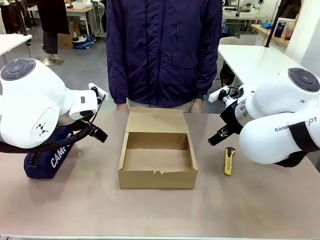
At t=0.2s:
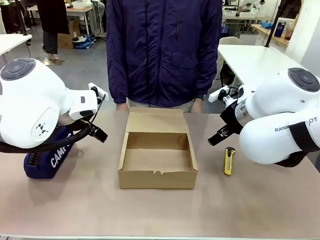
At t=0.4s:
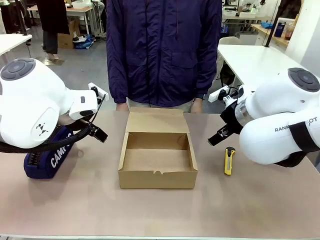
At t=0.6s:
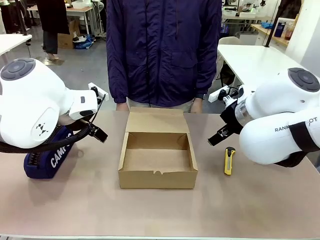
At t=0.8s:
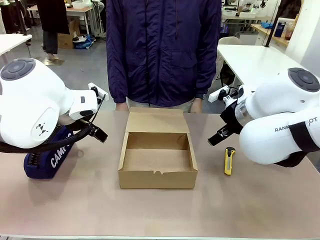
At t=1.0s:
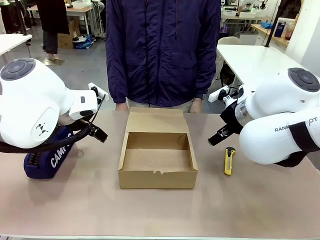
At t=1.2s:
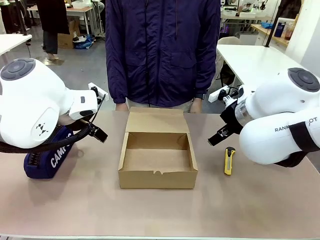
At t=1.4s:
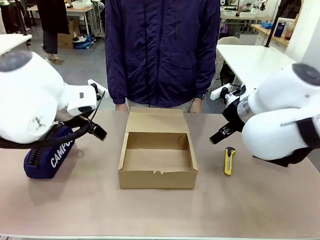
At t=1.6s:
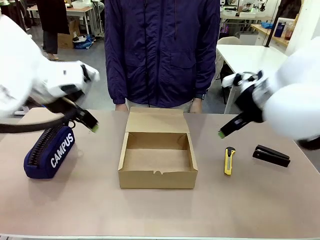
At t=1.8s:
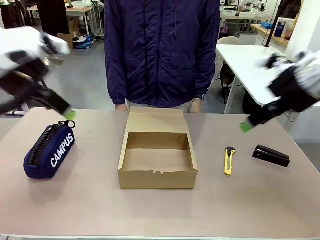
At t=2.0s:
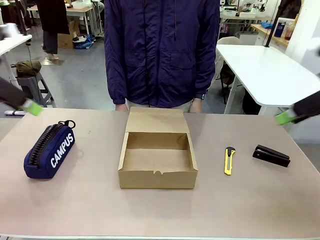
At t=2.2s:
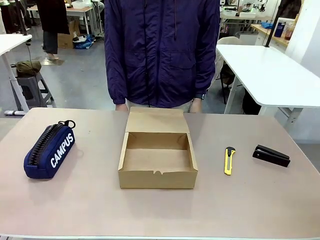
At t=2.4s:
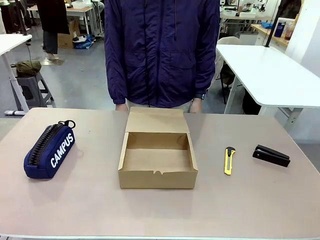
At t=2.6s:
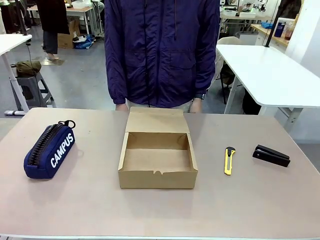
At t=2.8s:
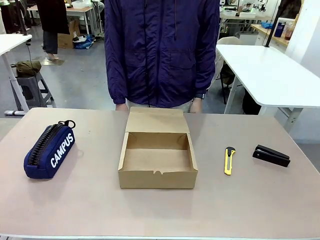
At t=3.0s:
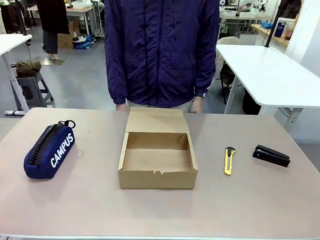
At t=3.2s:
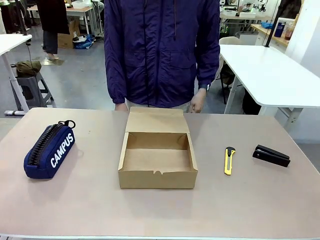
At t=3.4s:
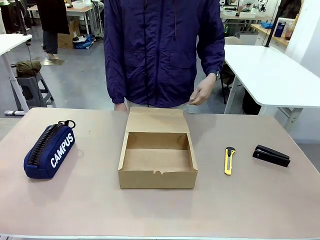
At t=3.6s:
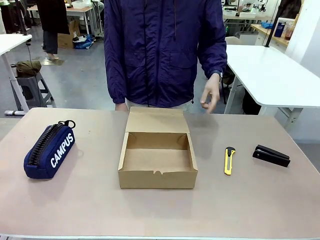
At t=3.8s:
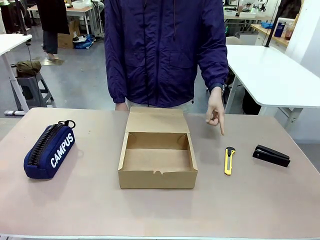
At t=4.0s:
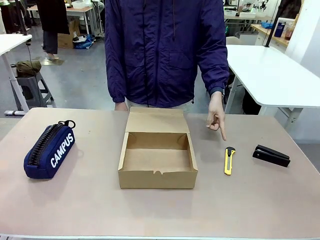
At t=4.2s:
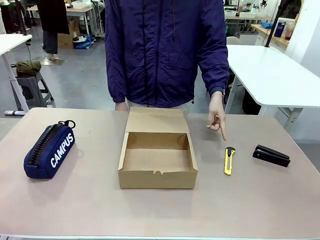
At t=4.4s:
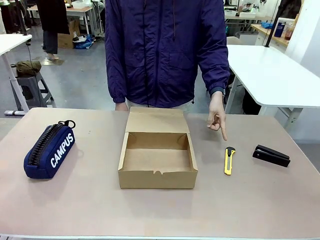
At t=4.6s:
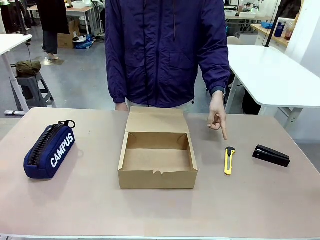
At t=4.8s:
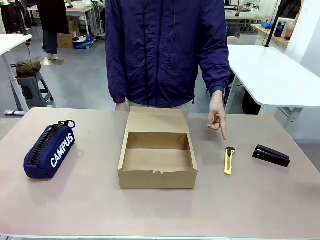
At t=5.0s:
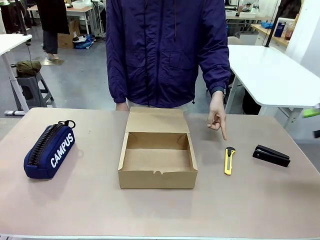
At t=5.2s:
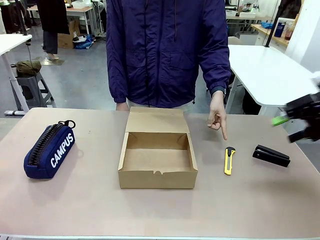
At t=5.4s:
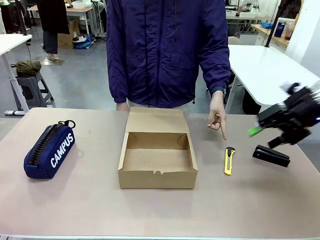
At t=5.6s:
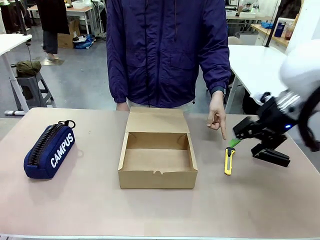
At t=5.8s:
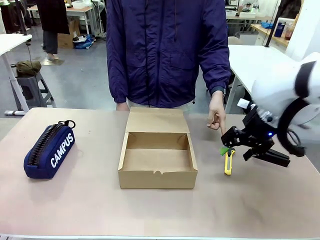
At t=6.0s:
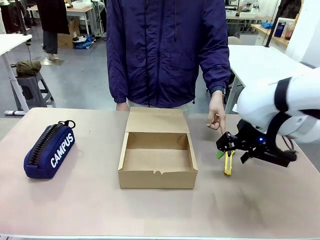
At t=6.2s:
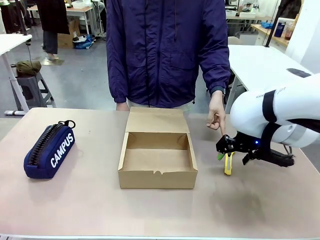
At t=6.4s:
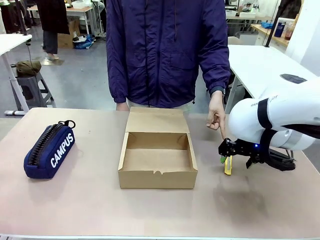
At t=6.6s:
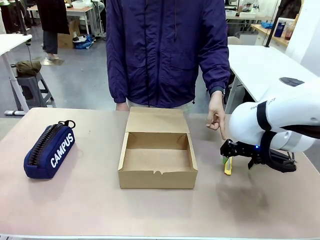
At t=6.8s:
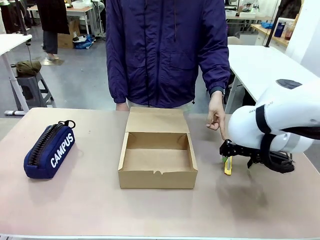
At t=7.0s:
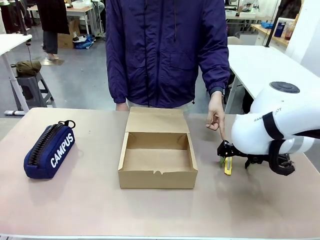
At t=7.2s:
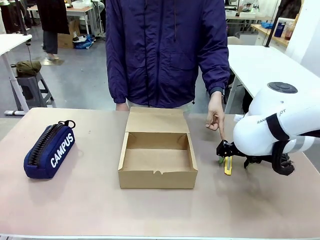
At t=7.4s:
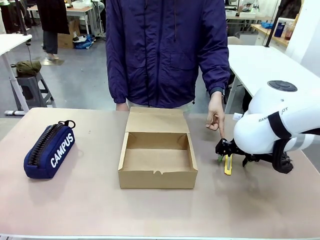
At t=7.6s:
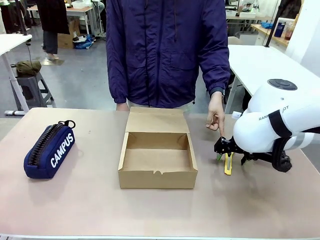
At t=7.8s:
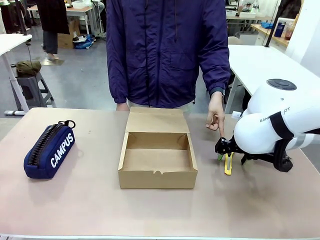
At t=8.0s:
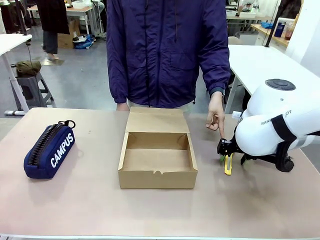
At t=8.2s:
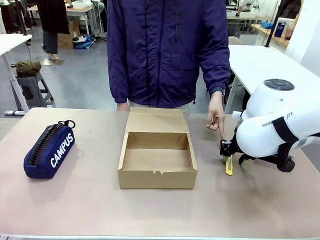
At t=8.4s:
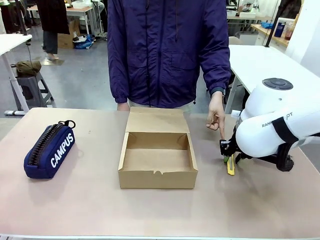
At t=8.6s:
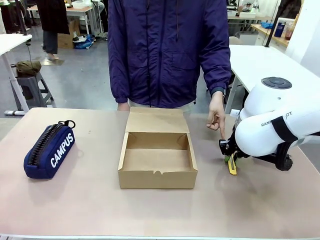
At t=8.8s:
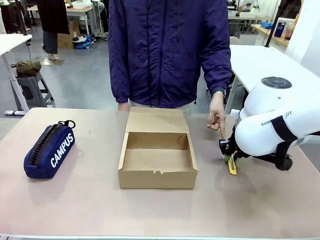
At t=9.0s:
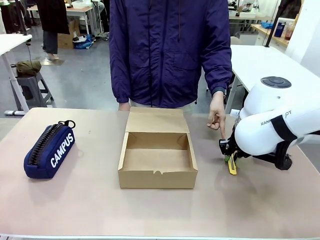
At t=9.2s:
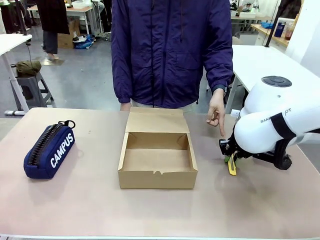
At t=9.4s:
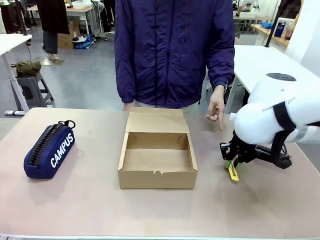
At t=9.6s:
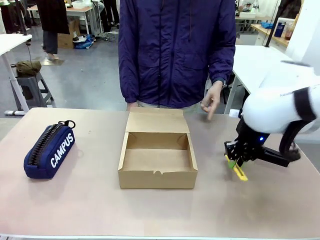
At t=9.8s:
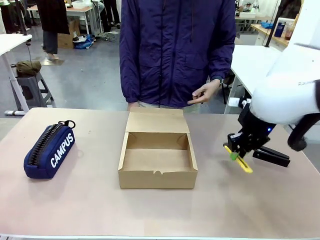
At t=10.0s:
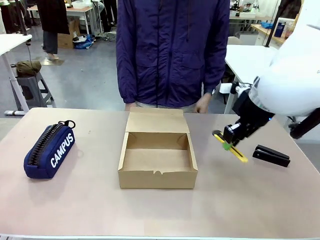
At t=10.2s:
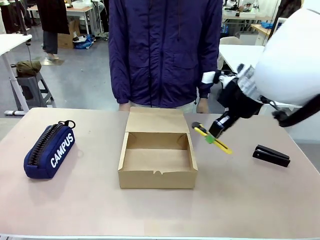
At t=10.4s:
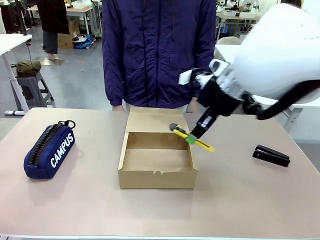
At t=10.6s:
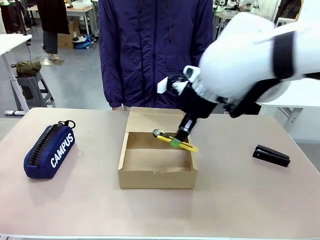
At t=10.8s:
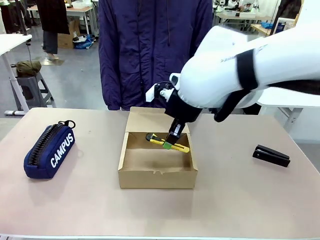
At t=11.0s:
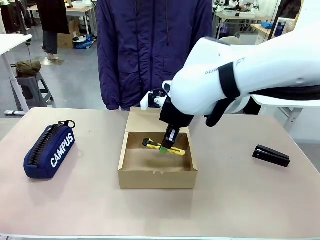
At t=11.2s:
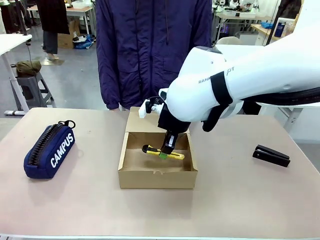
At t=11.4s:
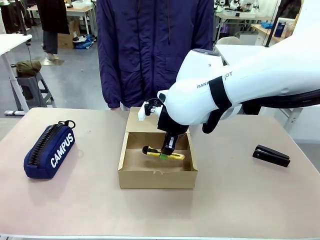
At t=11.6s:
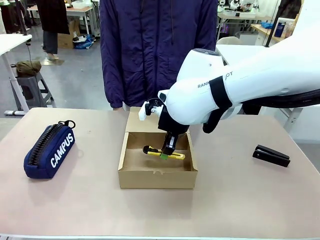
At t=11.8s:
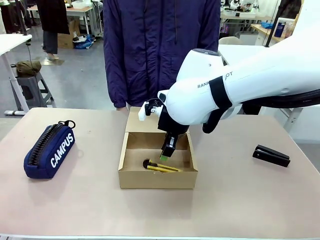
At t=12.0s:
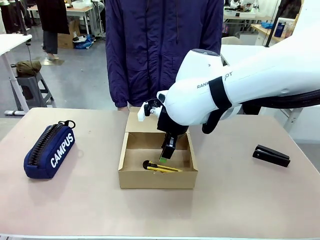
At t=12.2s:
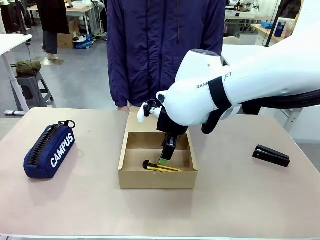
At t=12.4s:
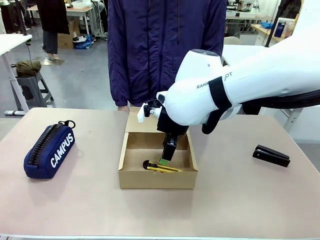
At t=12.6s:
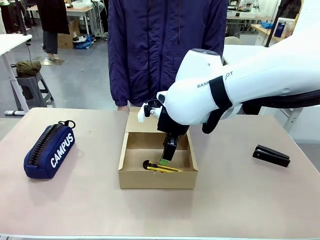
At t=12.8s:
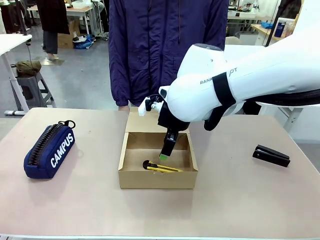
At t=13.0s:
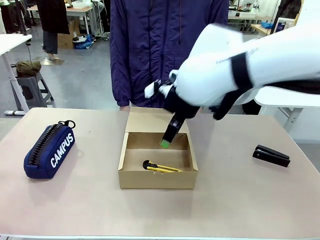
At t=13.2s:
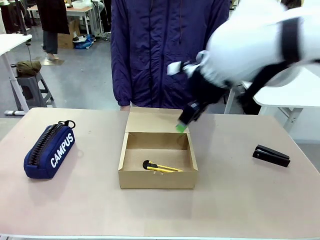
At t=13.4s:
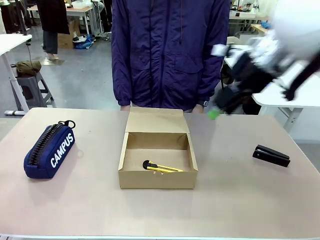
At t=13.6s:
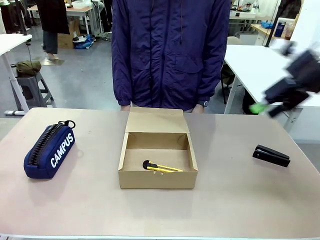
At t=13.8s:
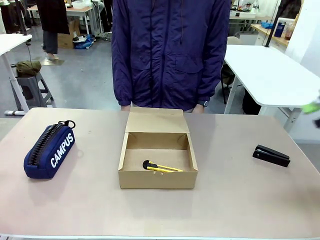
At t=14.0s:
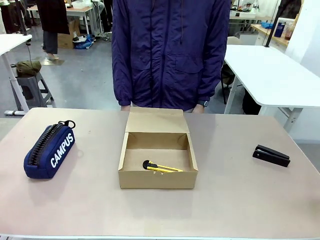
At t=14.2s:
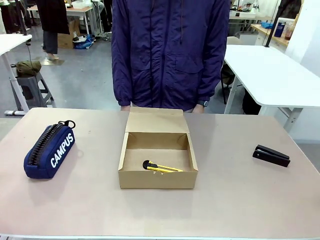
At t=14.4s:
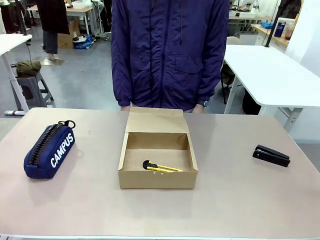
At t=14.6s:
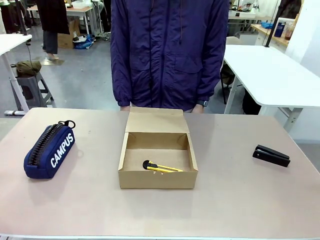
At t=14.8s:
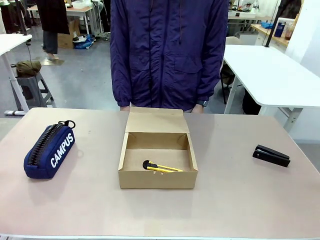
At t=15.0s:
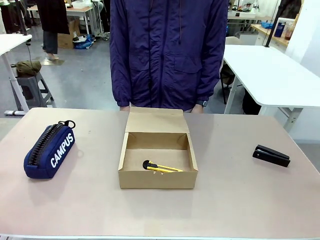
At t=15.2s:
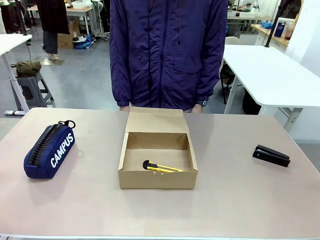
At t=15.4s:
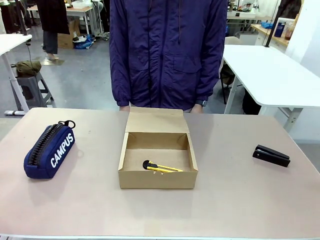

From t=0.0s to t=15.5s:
Task: Pack the item into the box.
Robot: Pick up the item indicated by the person and place it inside the Mailer Box.
Person: Point at one item on the table (excluding the box).

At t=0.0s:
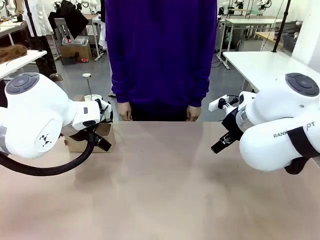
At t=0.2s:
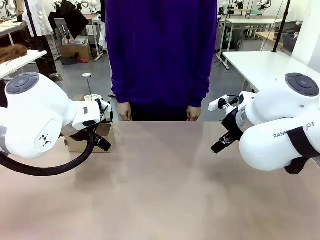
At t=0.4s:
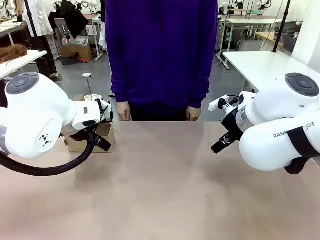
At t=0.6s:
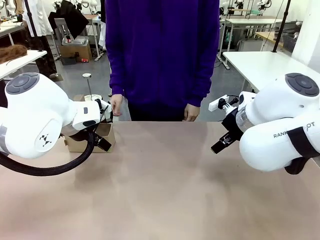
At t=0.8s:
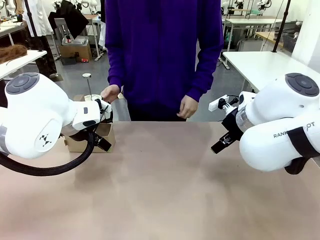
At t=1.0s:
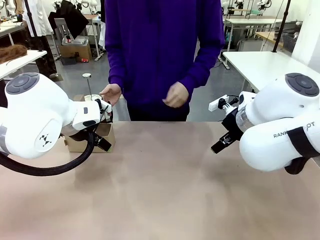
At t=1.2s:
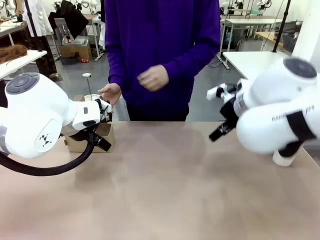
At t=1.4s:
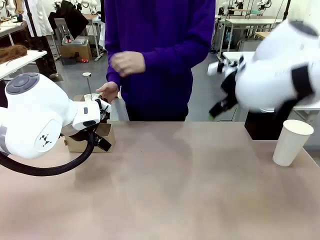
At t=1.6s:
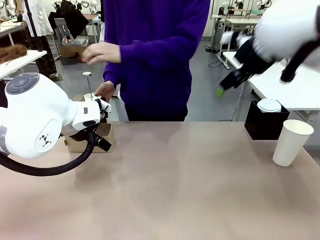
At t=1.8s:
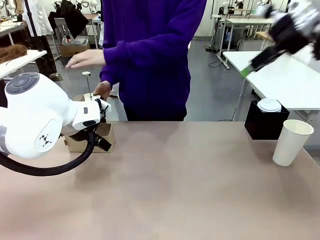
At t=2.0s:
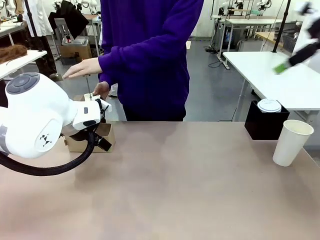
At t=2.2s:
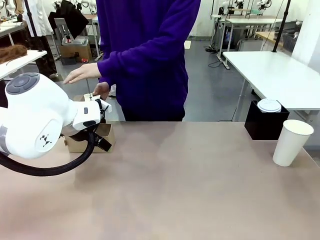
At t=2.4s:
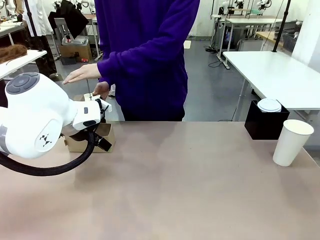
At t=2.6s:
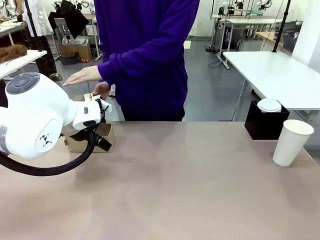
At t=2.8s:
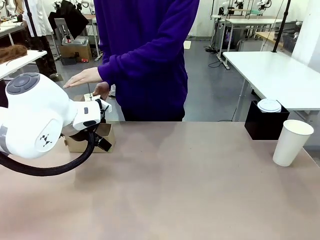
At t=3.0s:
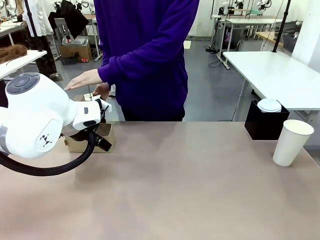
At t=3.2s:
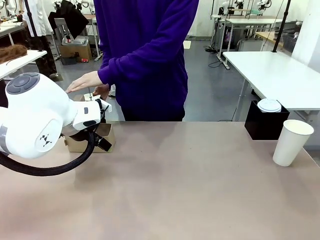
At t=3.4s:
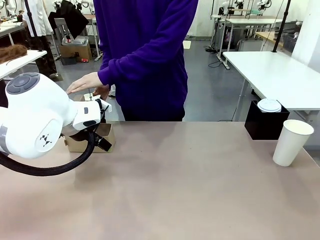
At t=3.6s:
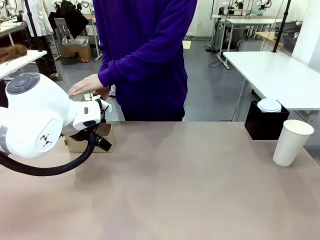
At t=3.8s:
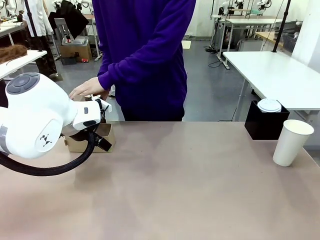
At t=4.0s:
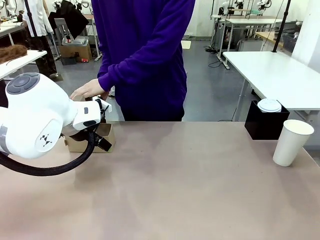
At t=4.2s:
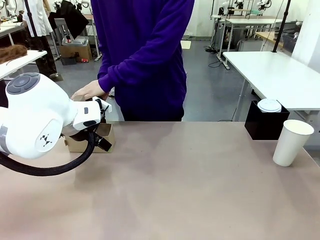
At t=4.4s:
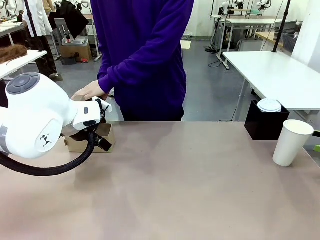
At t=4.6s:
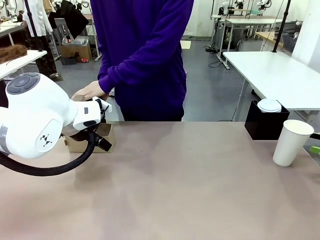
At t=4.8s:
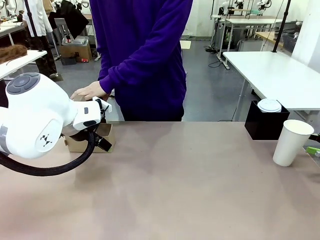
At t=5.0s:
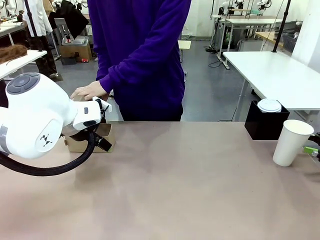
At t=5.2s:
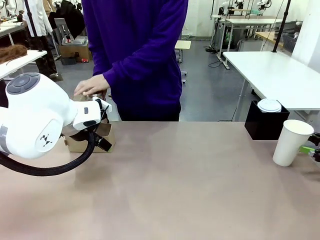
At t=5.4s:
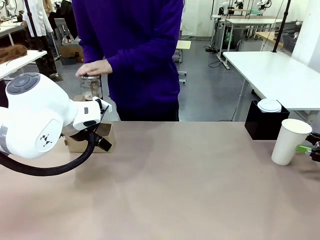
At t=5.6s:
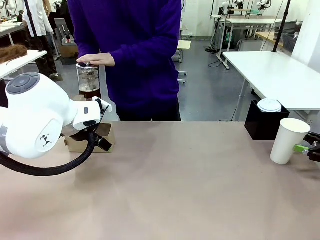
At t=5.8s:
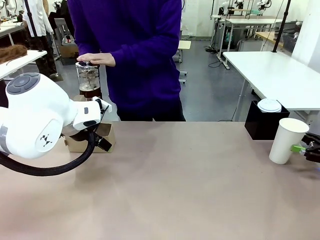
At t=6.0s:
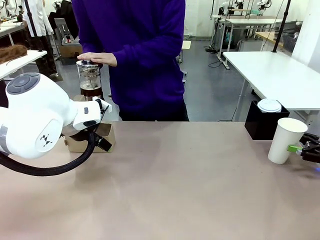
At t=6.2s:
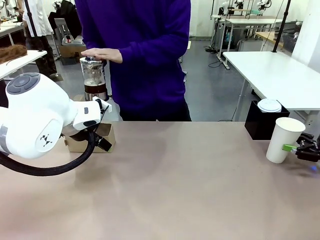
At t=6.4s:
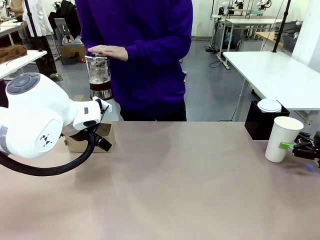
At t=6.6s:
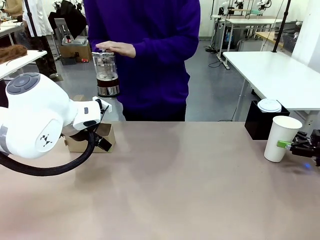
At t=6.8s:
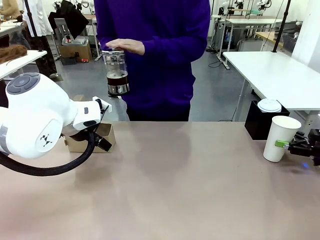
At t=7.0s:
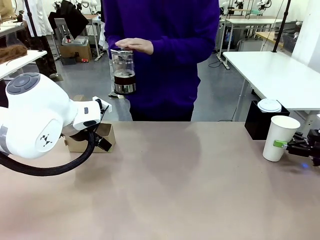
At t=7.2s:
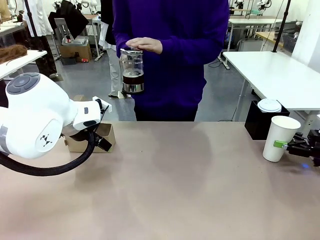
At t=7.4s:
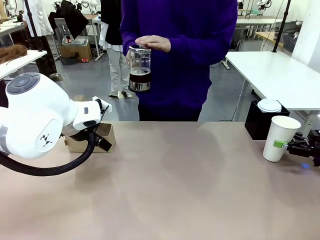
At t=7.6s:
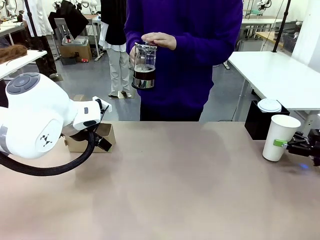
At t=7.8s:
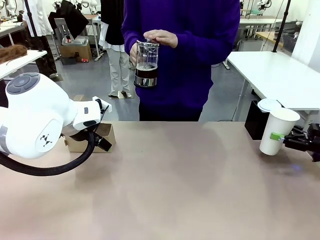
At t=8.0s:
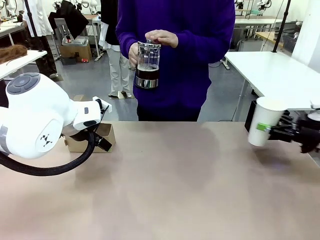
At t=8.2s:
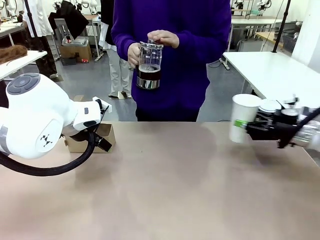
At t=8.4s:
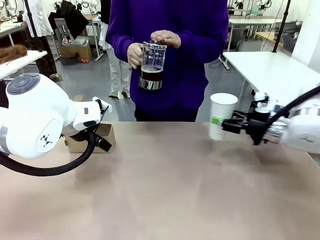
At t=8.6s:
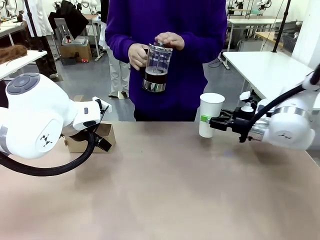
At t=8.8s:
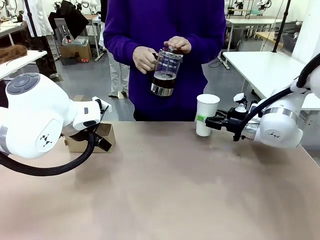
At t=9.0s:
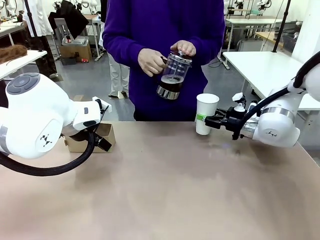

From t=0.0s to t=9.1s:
Task: Pour a drink into a cup and package it in a carrier.
Robot: Pick up the 600 ml Paper Cup and place it in the middle top area of the table.
Person: Press and pick up the Filter Brewing.
